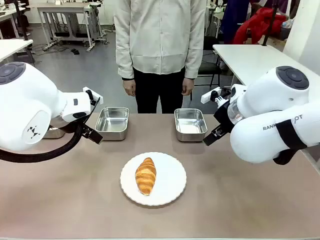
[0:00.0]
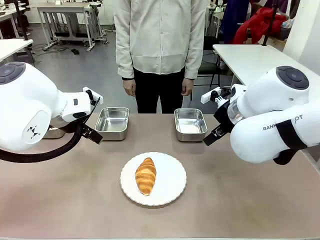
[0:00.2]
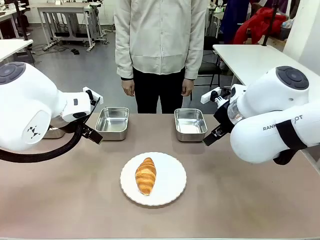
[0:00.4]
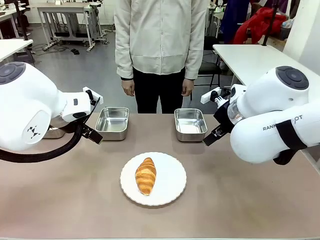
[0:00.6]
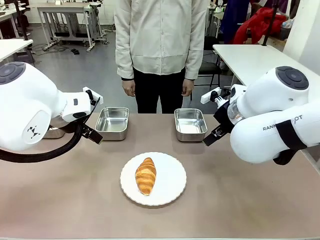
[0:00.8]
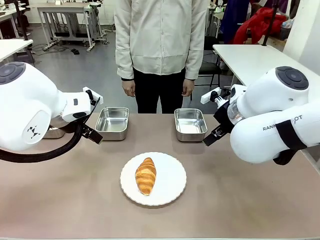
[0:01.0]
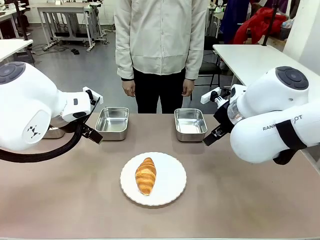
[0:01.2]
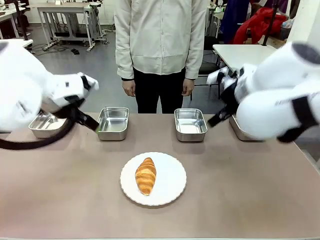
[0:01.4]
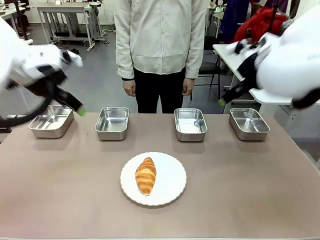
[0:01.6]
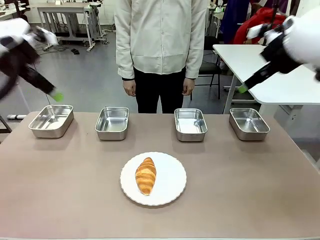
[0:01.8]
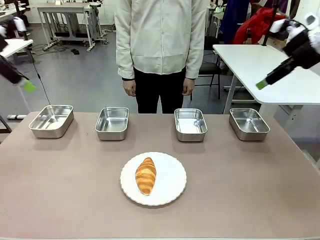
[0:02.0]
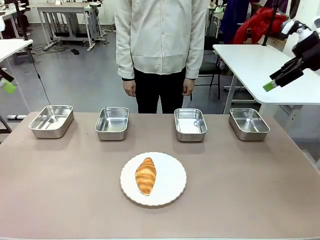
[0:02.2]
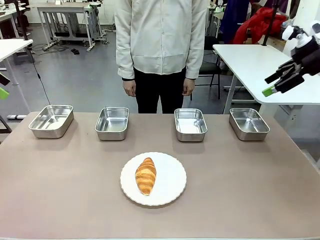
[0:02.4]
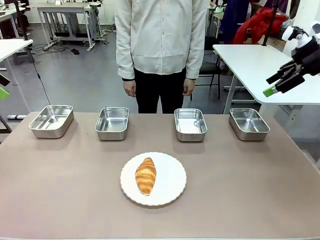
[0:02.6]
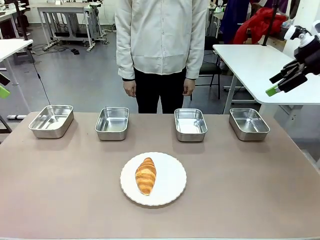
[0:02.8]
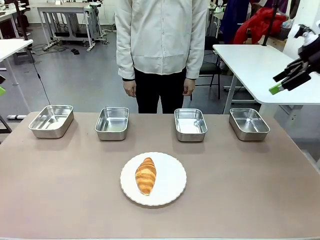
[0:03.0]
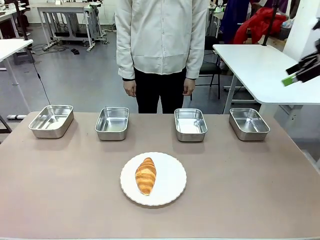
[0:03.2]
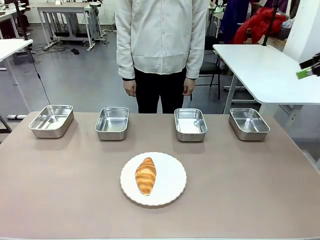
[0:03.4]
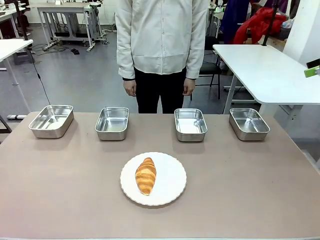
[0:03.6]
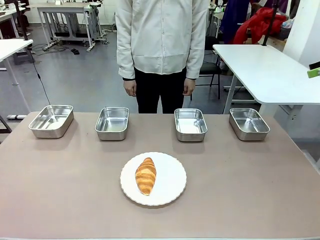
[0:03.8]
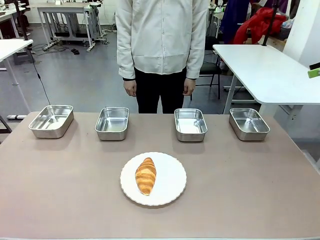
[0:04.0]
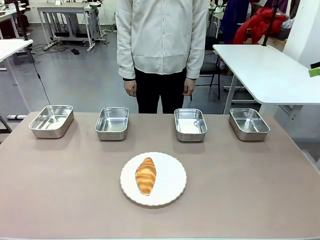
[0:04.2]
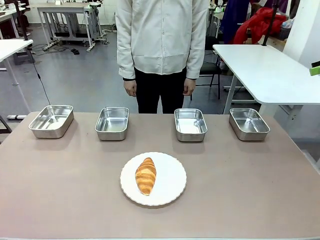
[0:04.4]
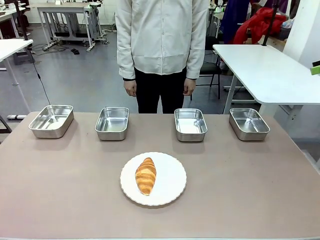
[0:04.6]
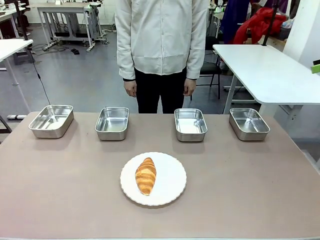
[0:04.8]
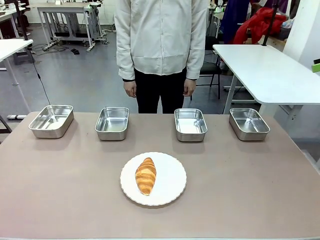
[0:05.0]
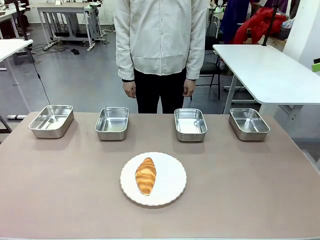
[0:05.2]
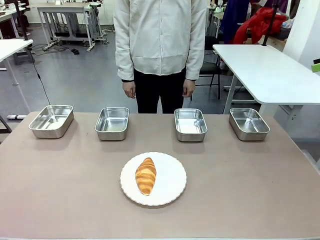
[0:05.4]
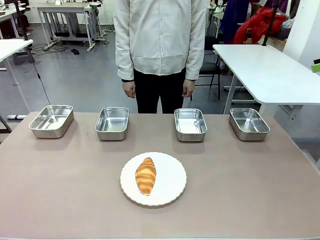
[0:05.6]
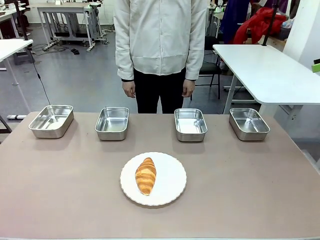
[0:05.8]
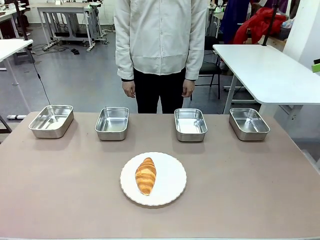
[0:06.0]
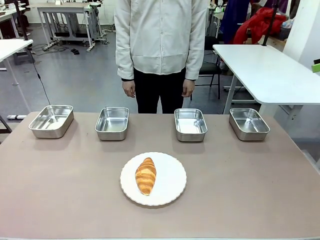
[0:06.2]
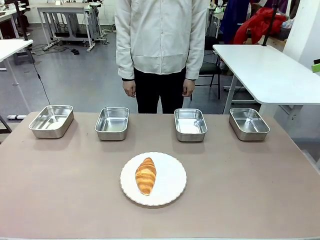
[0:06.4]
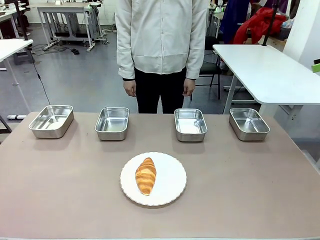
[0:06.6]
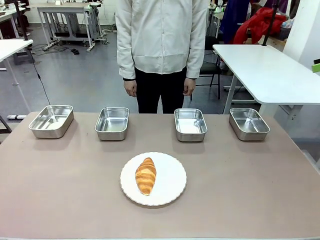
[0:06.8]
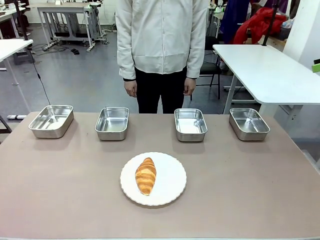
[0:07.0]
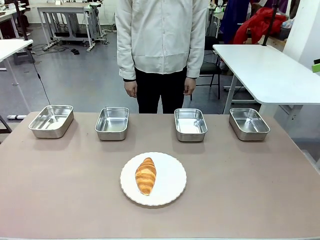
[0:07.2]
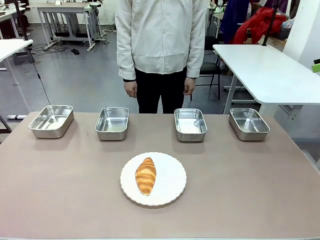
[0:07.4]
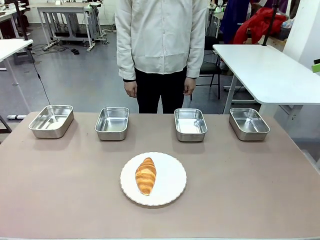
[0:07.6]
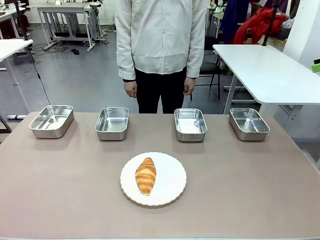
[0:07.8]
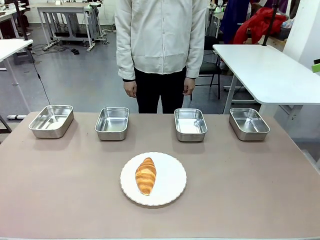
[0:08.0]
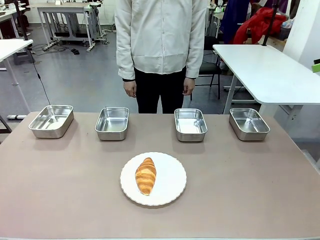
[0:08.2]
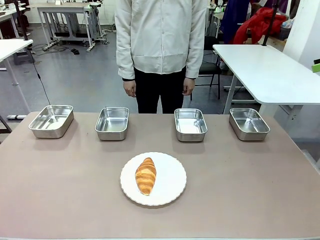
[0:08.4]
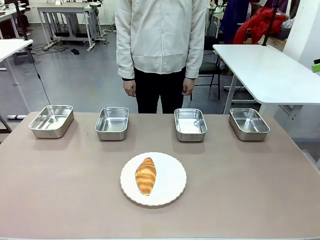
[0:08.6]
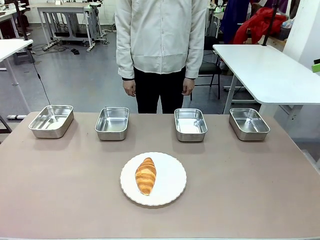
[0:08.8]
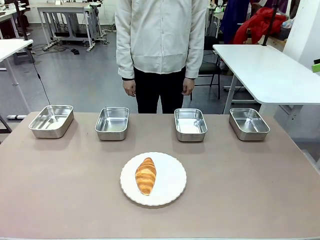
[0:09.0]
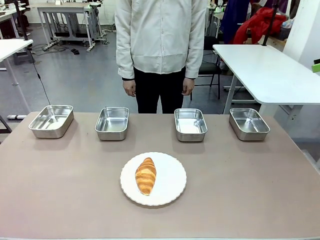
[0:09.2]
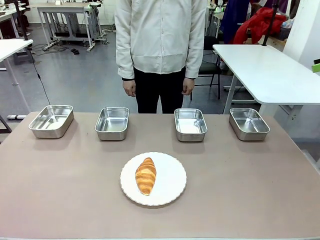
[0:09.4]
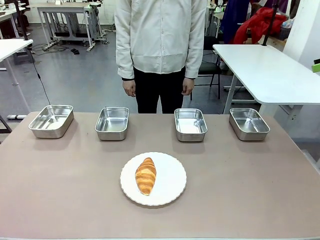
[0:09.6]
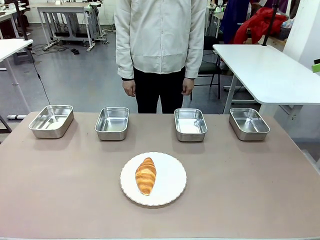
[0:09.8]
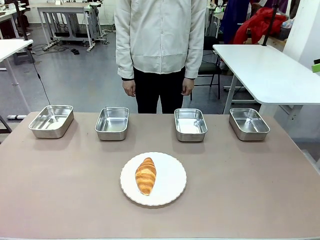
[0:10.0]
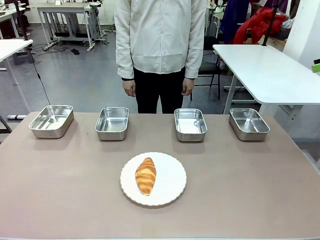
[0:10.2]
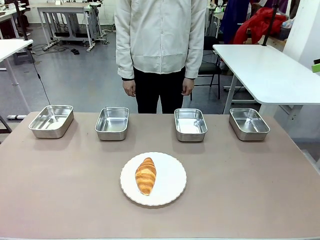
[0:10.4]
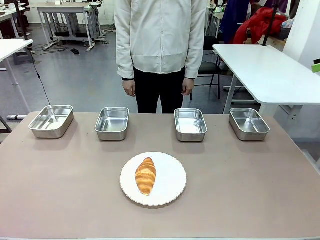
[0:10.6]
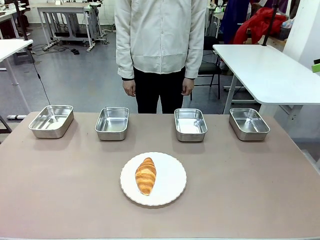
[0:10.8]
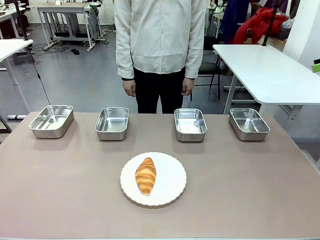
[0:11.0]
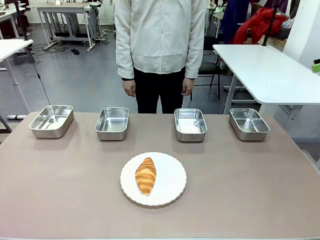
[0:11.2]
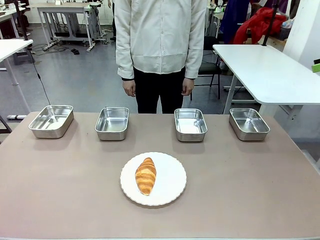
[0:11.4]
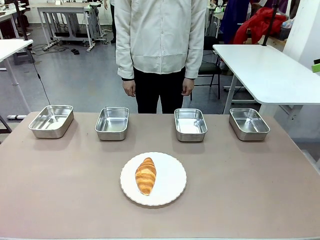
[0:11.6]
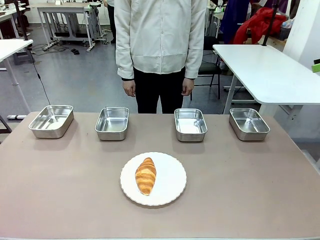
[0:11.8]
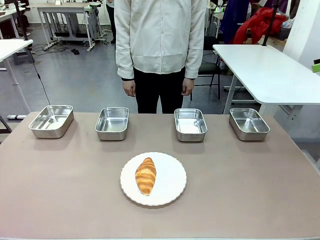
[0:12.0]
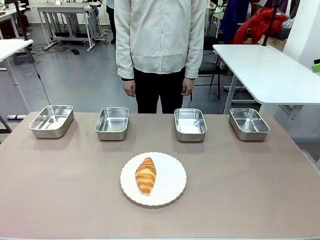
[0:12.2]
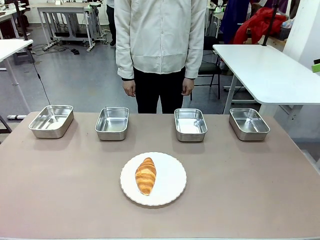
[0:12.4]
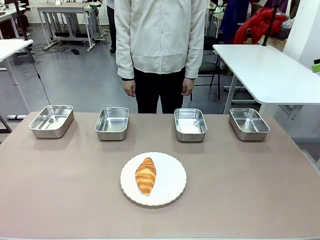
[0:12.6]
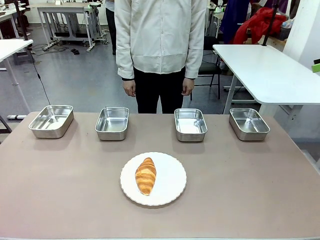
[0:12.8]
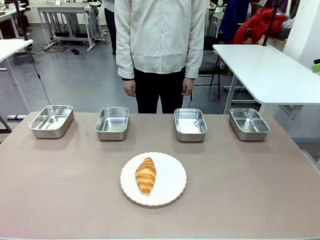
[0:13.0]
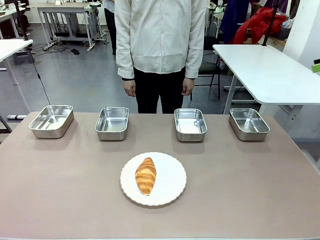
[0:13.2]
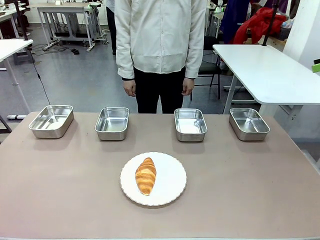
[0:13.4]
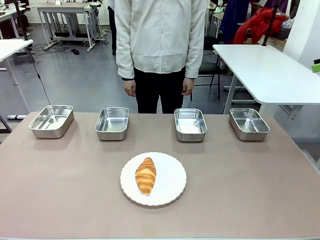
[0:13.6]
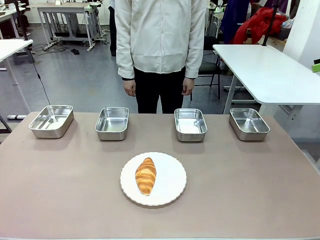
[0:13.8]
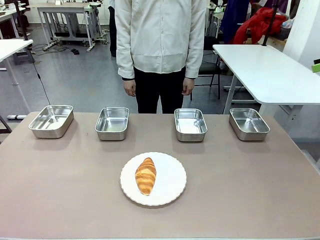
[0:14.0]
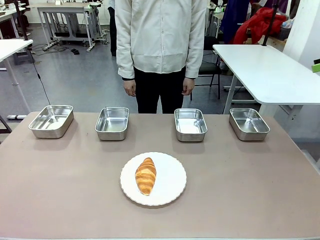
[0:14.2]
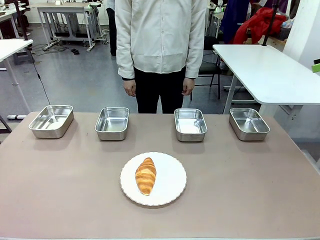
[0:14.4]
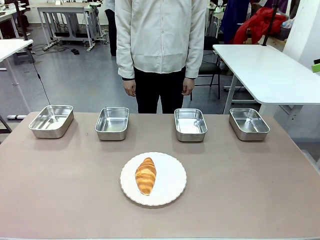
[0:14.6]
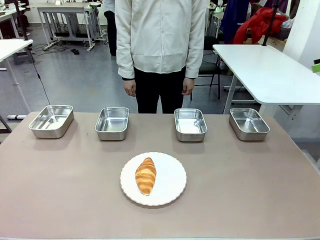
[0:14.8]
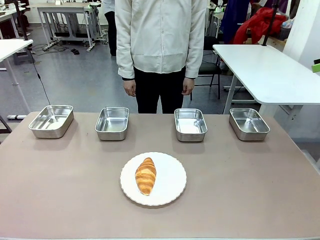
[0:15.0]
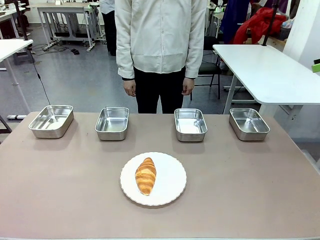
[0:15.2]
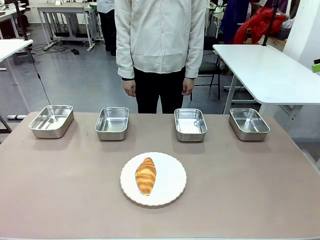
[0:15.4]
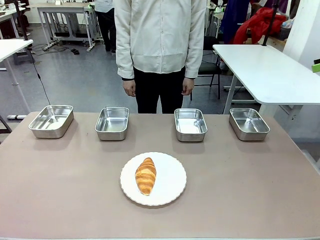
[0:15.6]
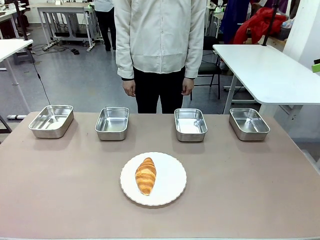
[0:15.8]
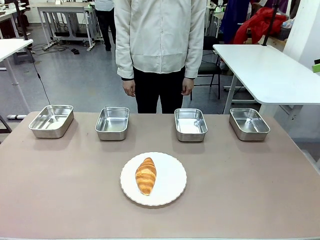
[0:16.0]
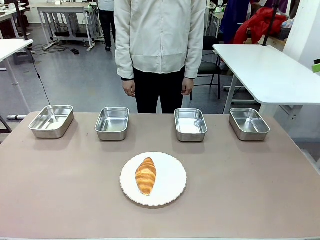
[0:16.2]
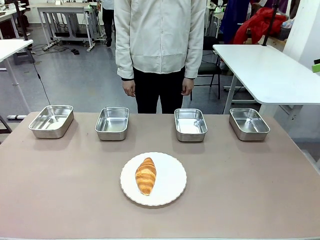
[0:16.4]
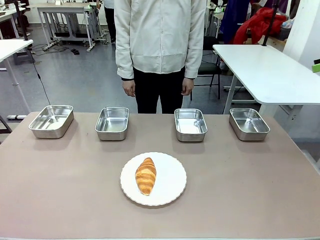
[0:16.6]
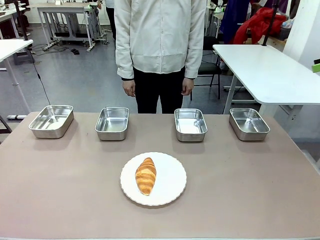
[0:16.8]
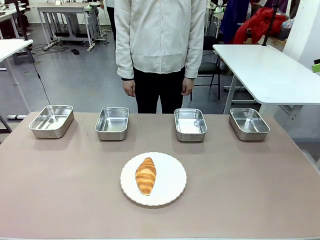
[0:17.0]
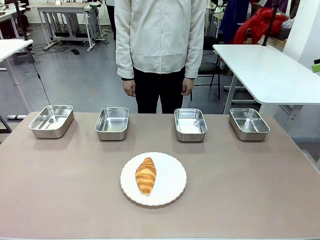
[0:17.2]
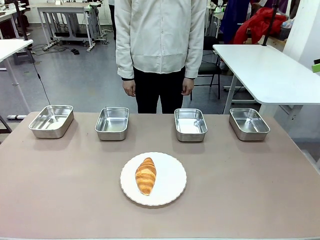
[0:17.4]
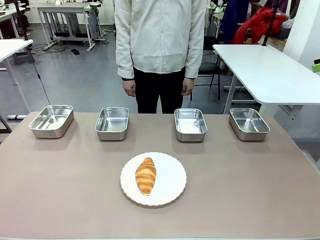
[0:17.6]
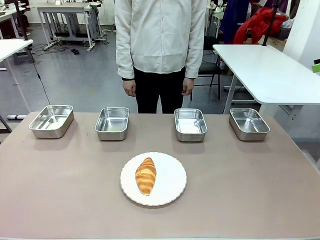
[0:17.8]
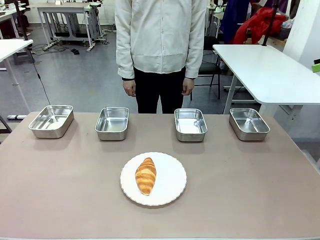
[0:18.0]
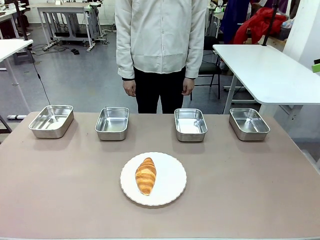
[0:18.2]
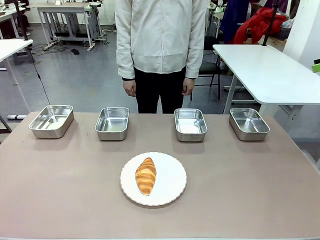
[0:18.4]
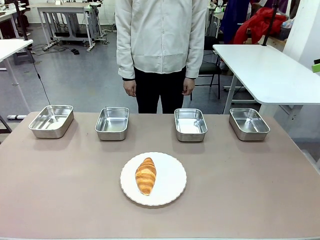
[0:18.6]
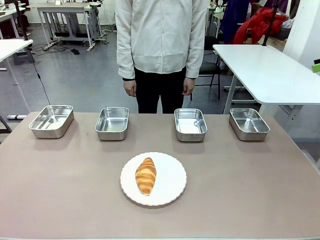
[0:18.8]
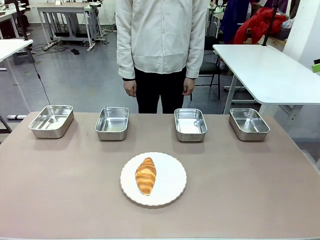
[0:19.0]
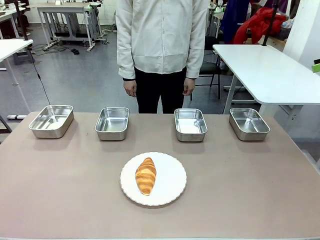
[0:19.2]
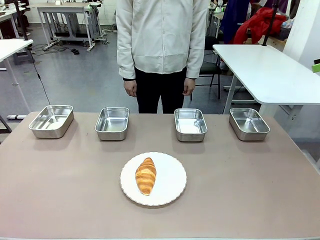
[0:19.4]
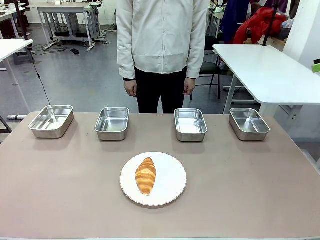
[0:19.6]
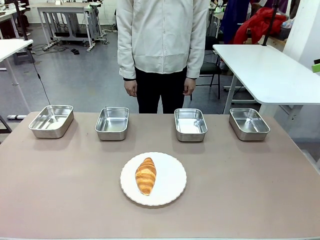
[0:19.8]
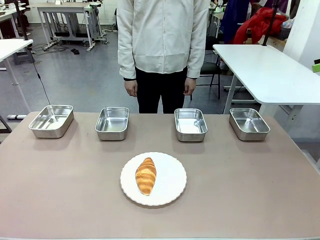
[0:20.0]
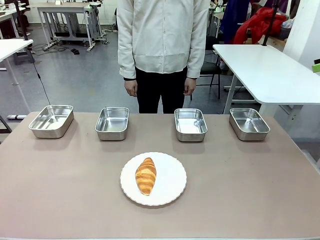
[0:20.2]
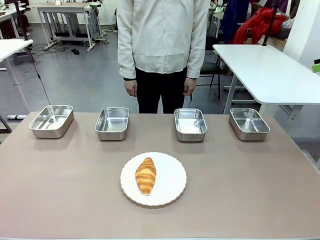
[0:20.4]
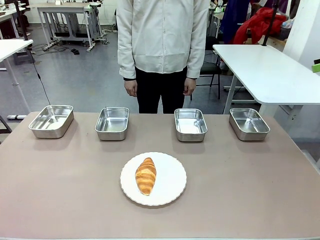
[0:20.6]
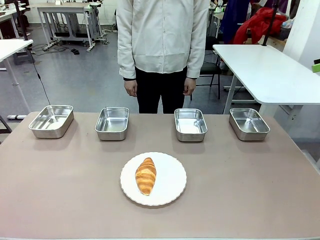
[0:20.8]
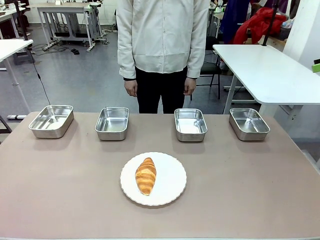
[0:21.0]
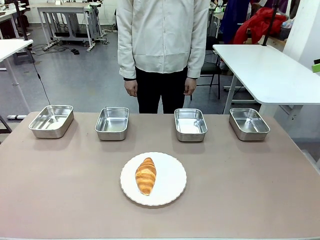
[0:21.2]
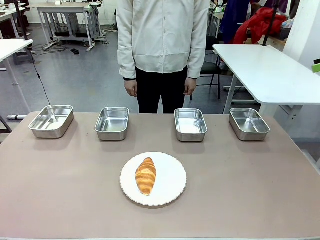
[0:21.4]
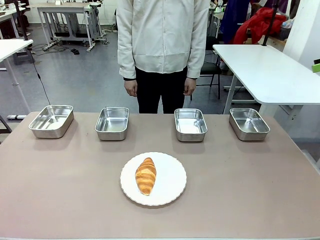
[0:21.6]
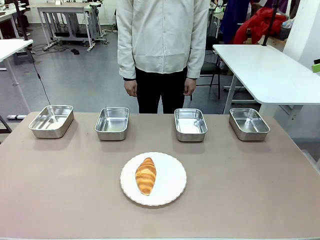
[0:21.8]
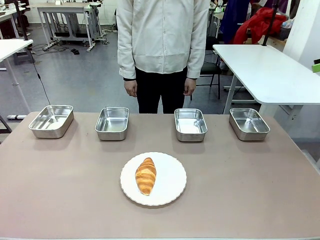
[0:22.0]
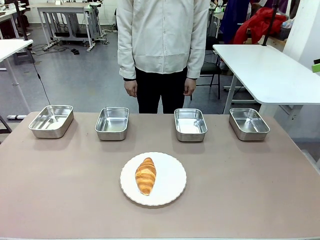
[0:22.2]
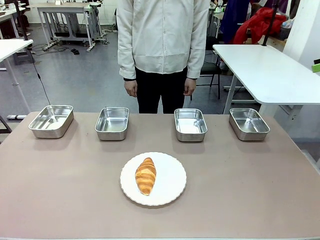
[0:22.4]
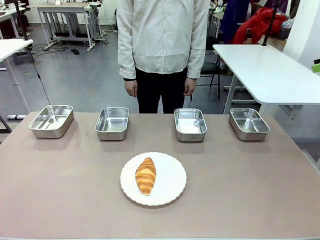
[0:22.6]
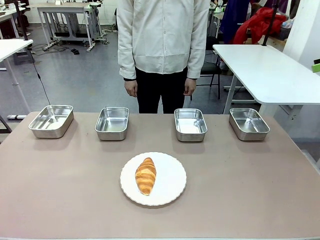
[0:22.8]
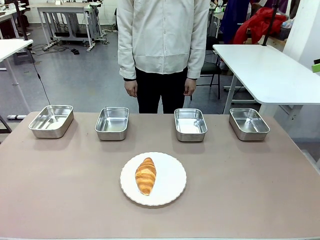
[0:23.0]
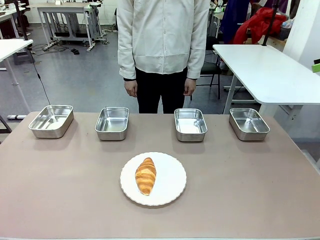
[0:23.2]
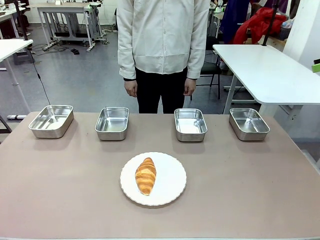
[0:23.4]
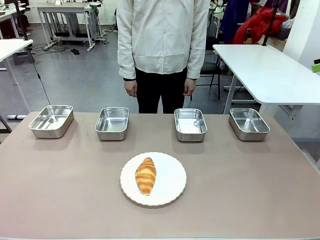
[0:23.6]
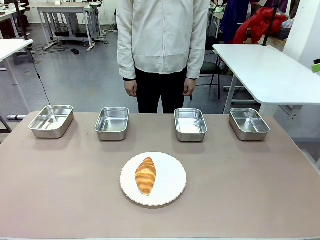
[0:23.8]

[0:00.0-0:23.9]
Task: Place the bread in the container.
Robot: Place the Butter Roll into the Airtight Container indicated by the human.
